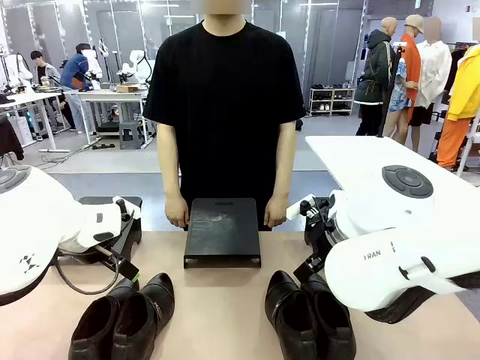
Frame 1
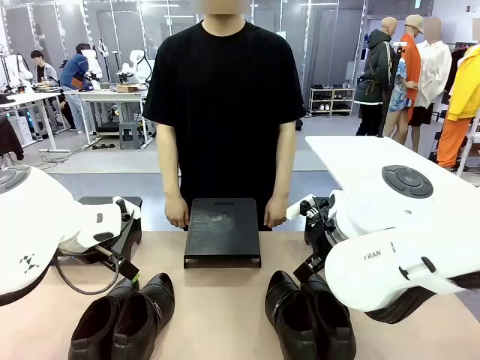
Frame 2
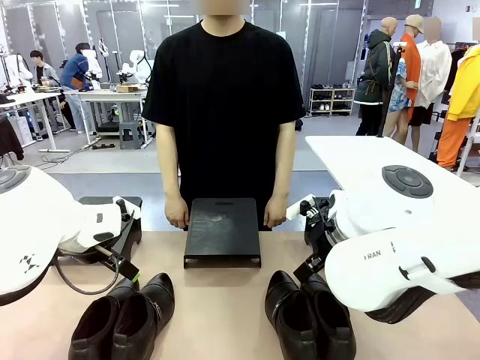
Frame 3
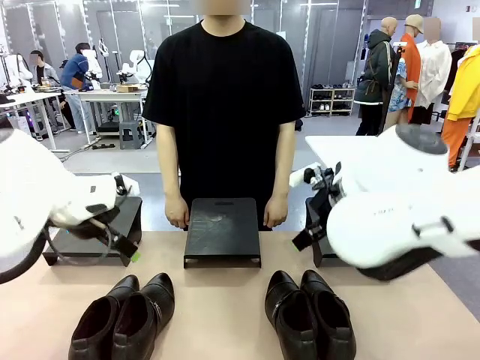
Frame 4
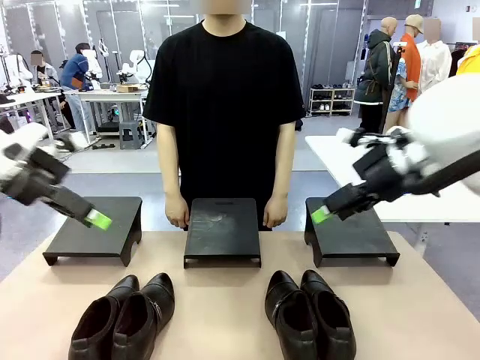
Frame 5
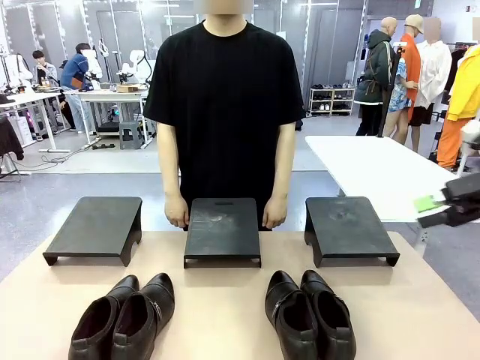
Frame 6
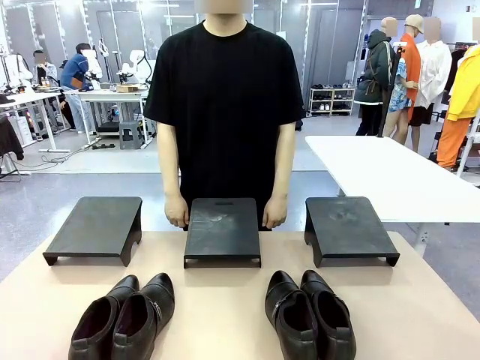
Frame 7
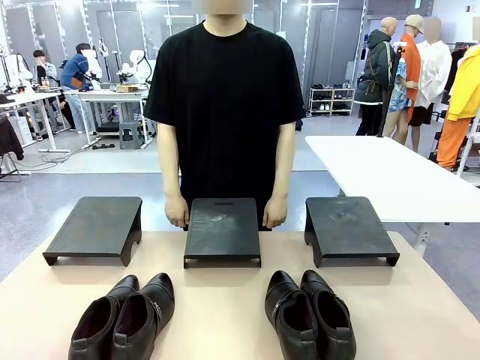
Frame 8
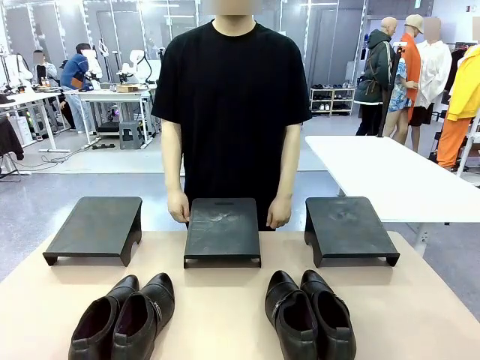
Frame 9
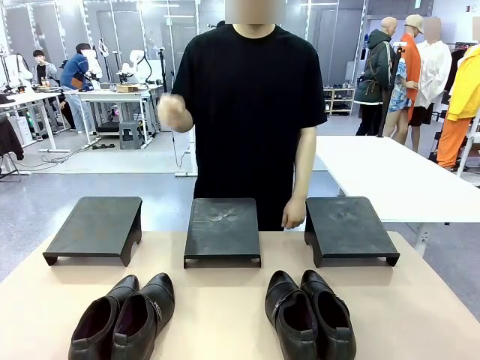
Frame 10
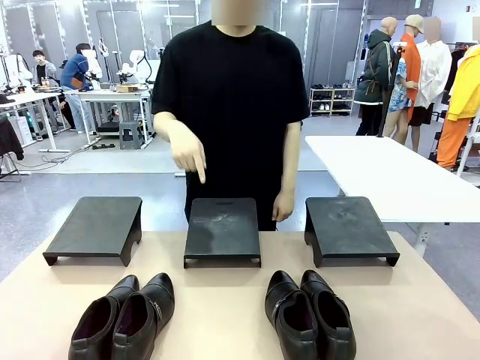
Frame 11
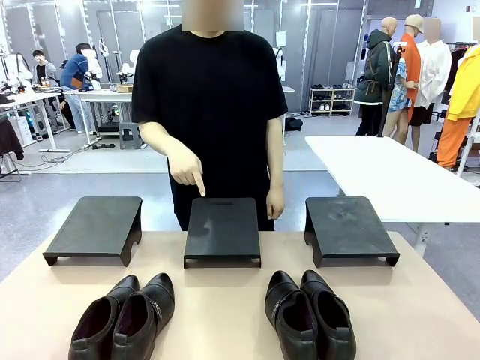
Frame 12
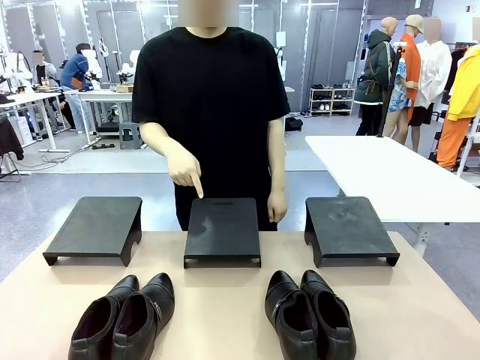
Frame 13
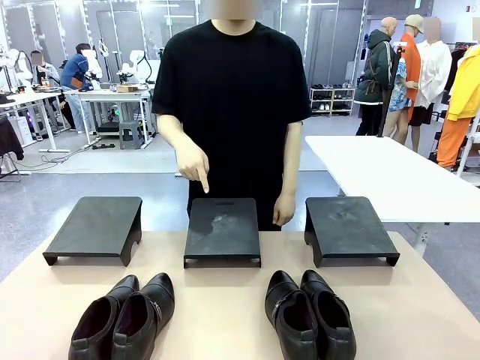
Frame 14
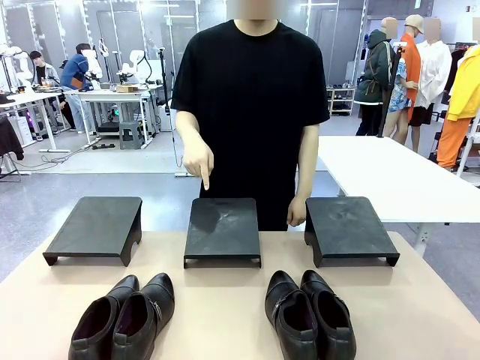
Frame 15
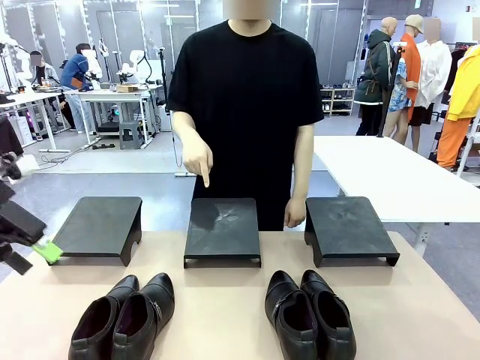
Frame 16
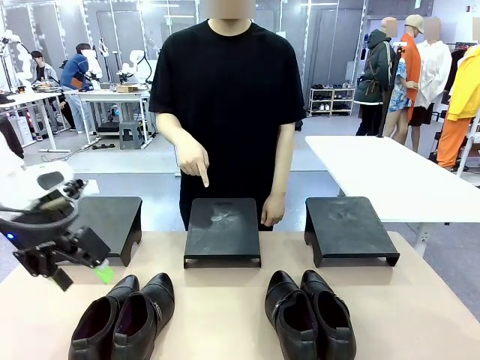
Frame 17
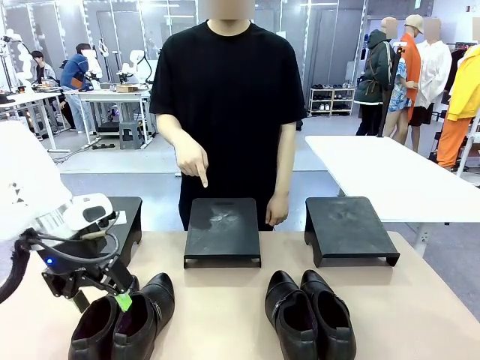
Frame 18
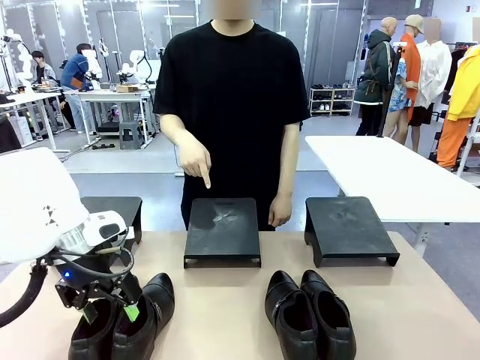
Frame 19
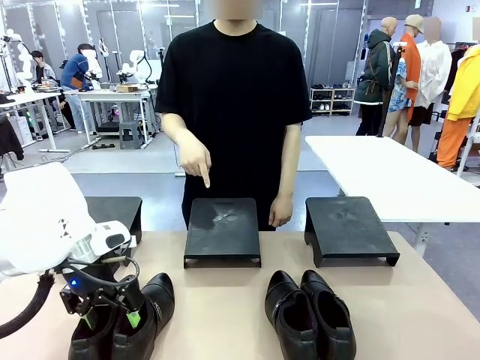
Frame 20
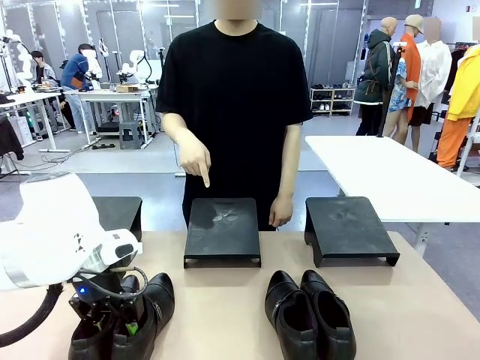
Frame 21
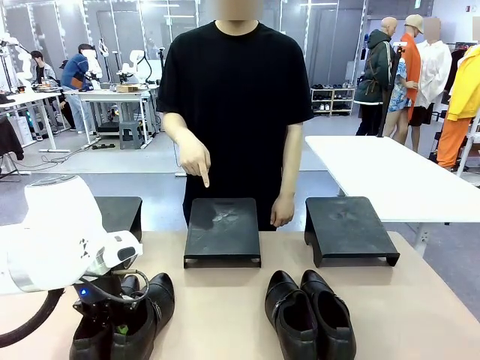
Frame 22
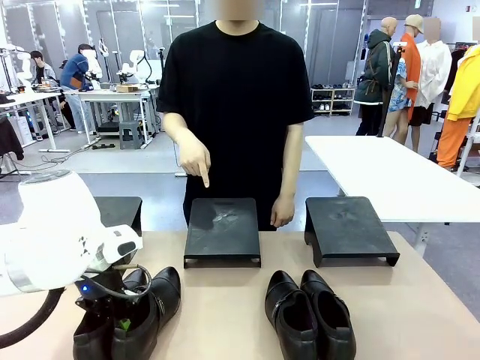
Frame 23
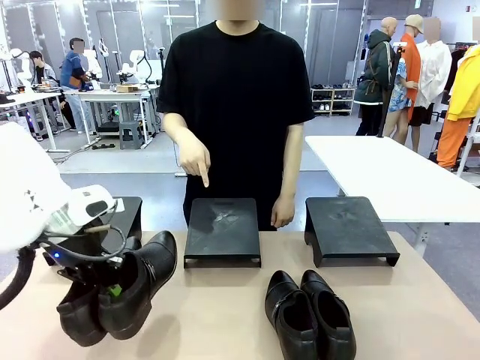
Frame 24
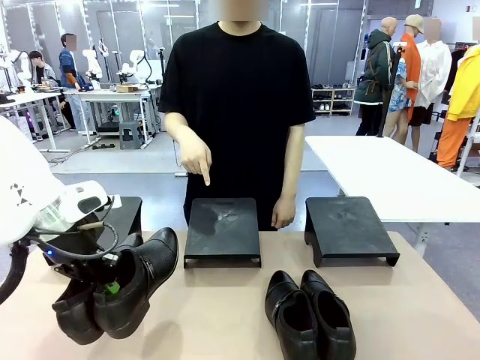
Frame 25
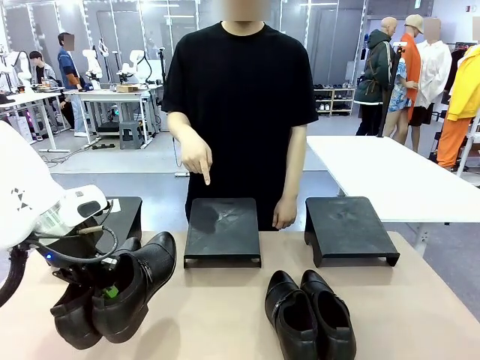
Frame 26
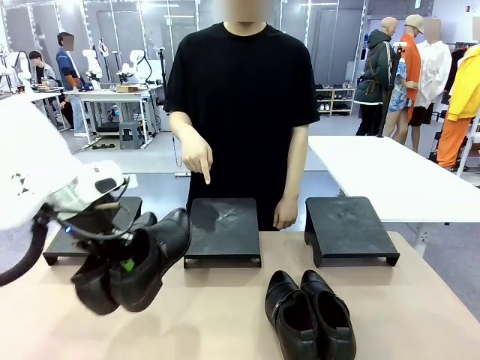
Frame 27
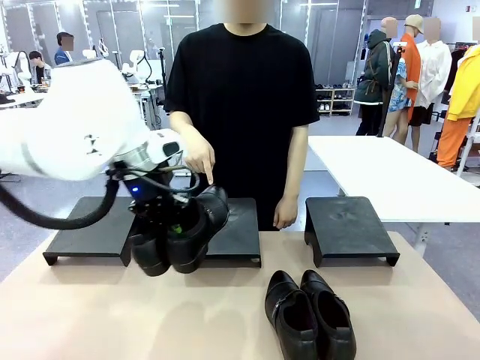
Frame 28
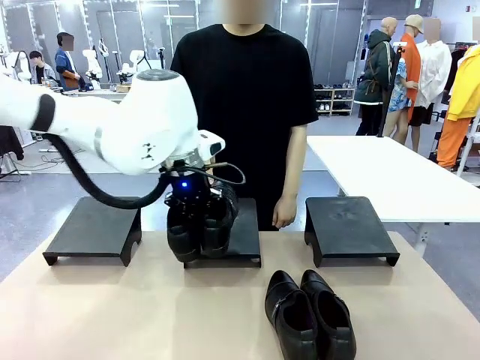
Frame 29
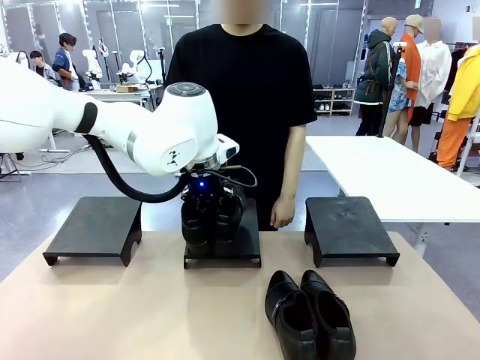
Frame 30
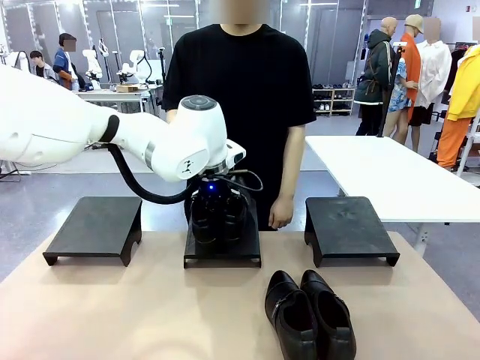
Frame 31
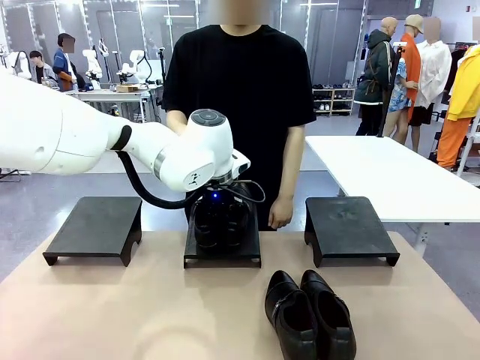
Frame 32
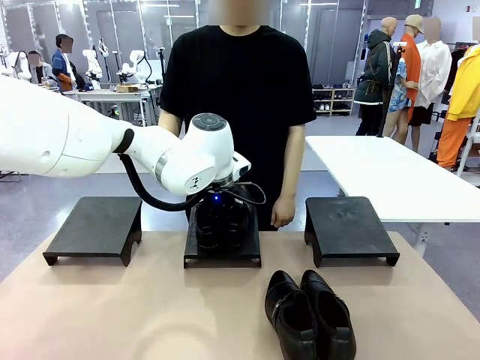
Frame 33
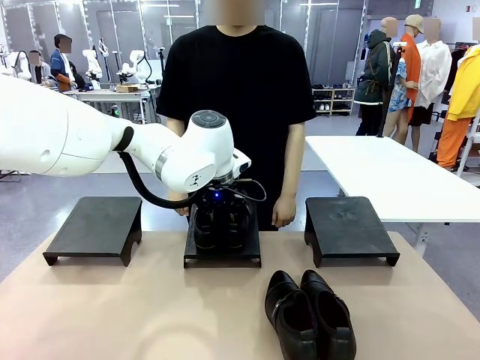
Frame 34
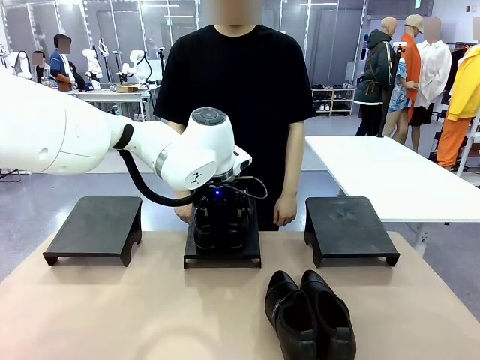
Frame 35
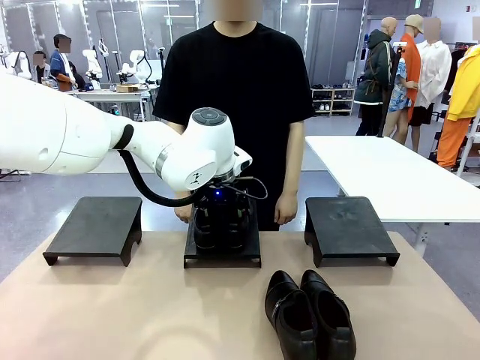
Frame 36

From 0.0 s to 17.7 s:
Task: Place the shoes on the stand as instructed by the person.
Robot: Pick up one pair of Shoes and place it on the Shoes Stand indicated by the person.

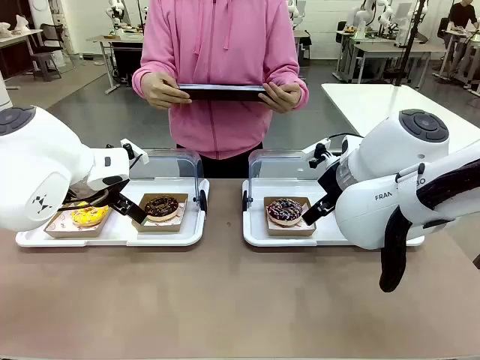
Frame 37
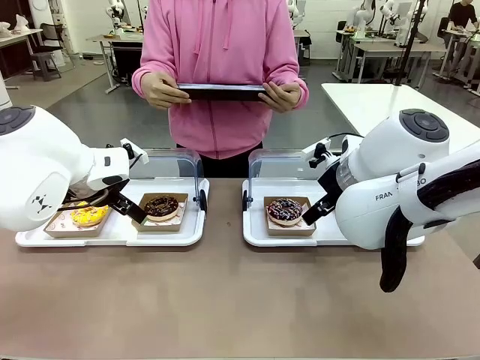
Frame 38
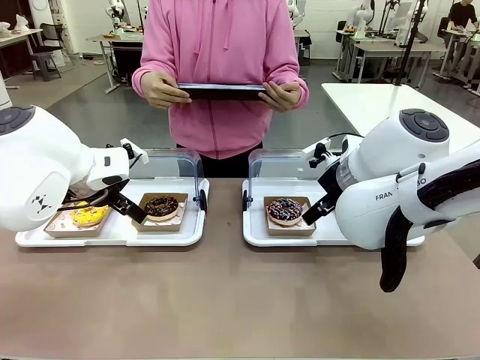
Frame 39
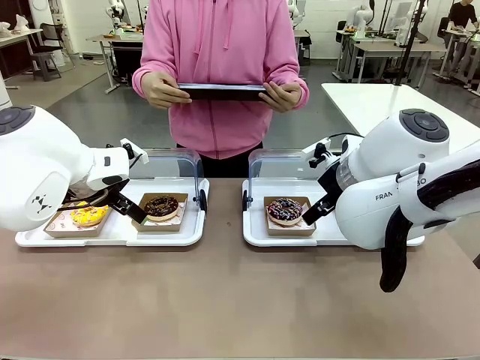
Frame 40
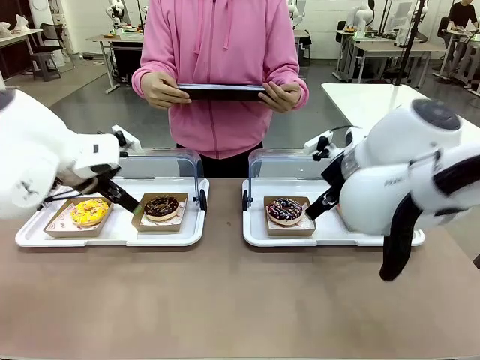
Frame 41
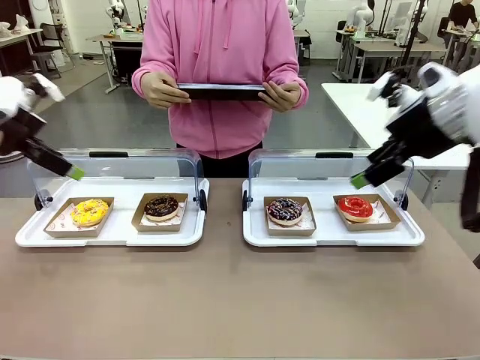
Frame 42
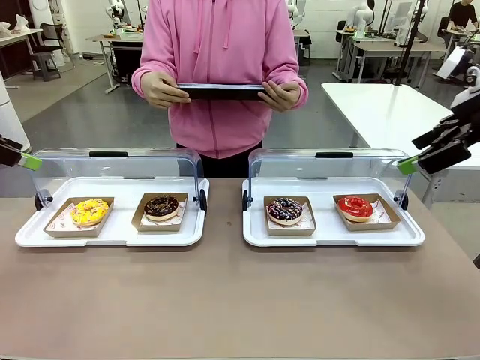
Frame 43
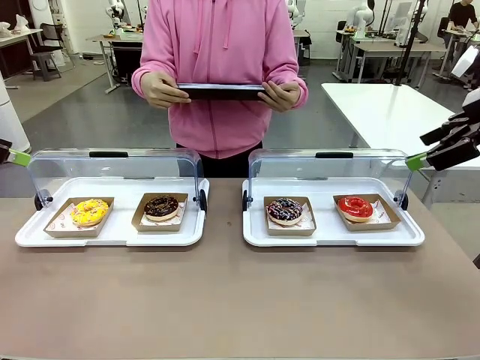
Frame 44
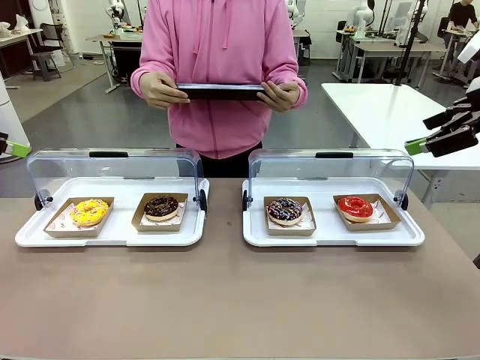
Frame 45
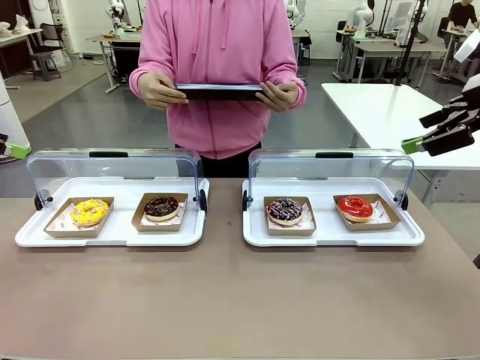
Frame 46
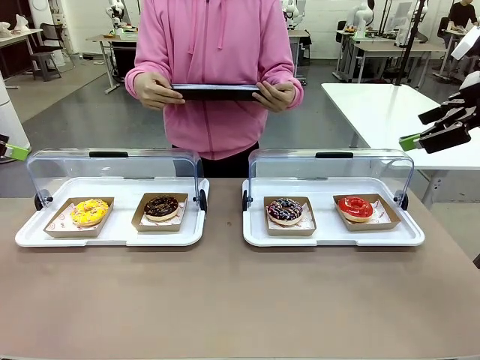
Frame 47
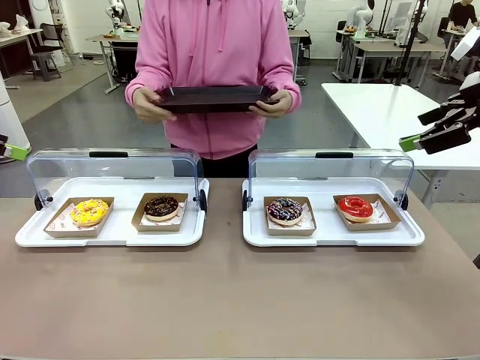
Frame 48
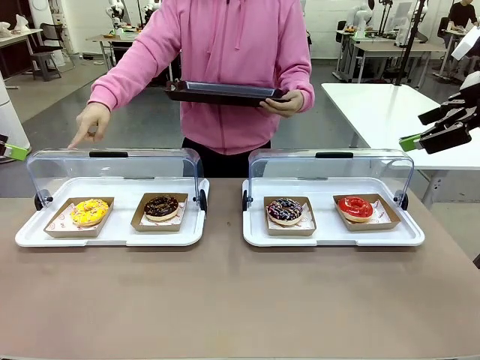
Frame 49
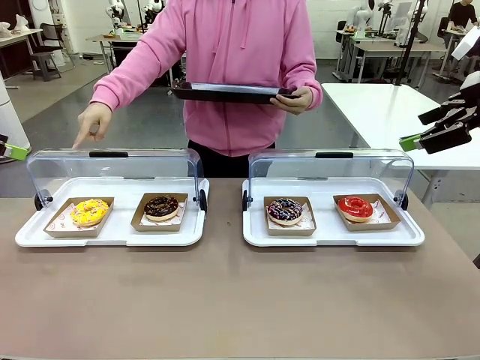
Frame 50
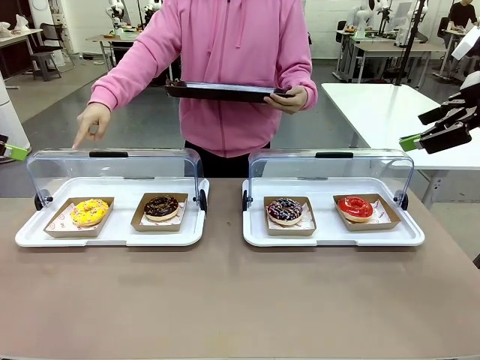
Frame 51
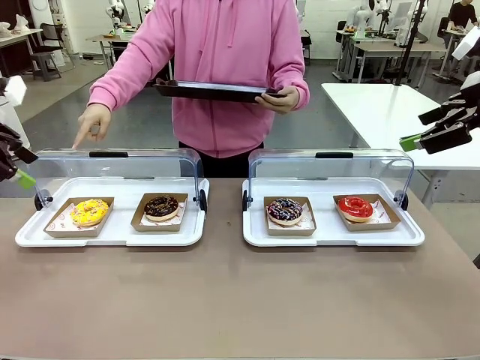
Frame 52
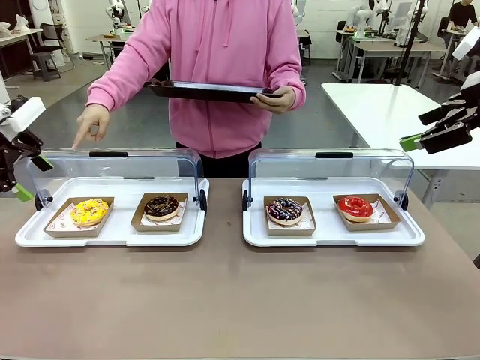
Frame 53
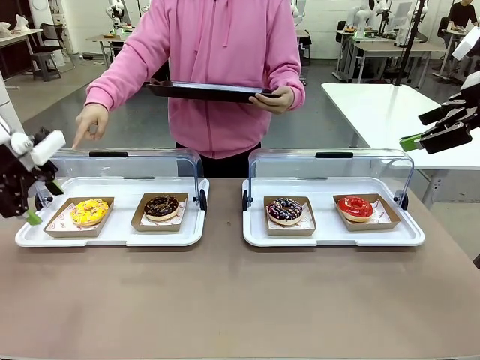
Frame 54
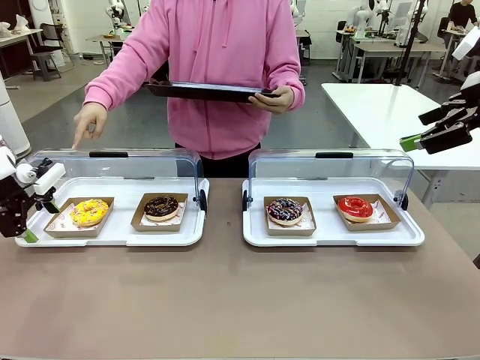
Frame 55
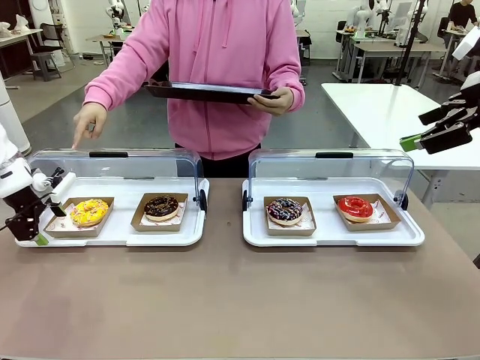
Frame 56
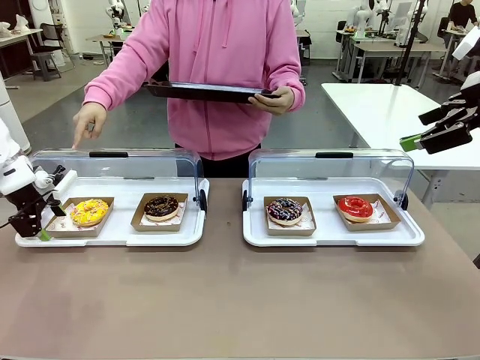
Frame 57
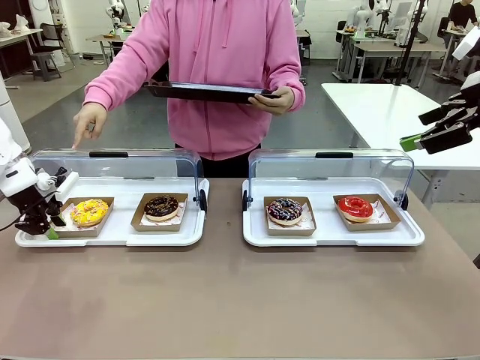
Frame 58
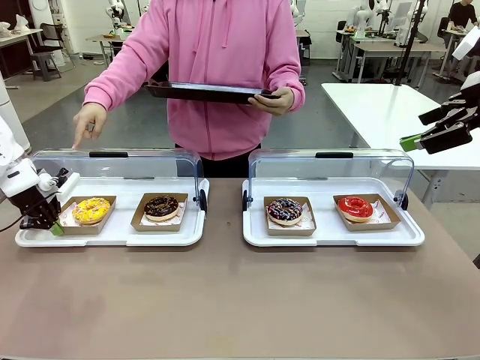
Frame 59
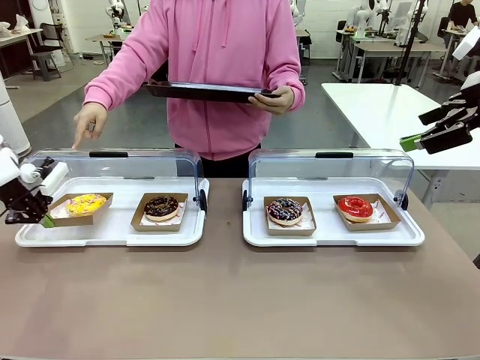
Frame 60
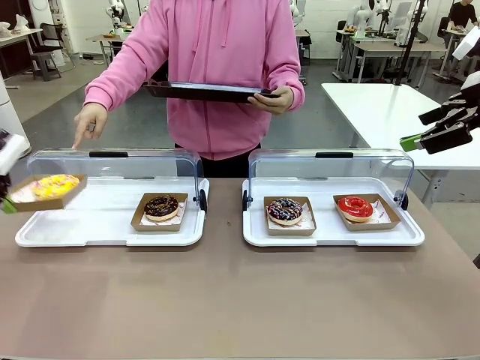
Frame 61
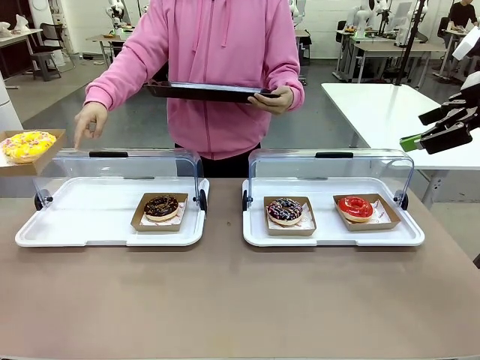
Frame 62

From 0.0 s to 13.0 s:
Task: Provide the desired donut to the person.
Robot: Pick up and lift the Paper togo box containing the Donut pointed at by the person.
Person: Point to one donut. Lift the tray onto the Roll-Top Bakery Case.
